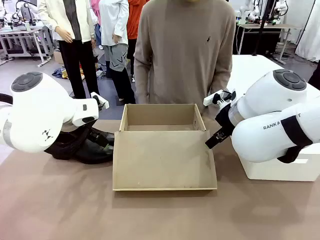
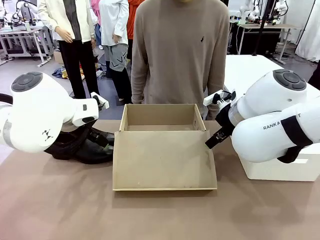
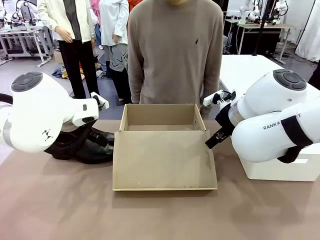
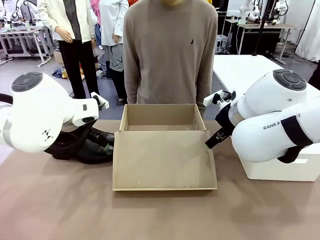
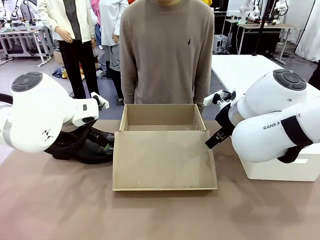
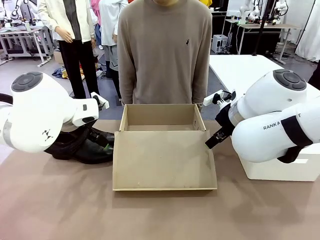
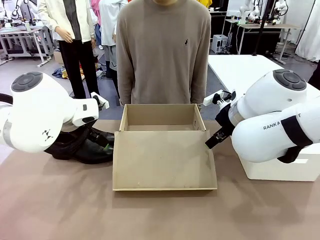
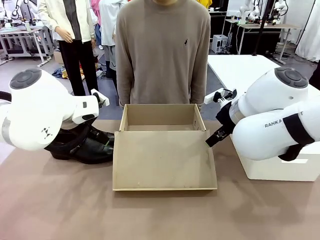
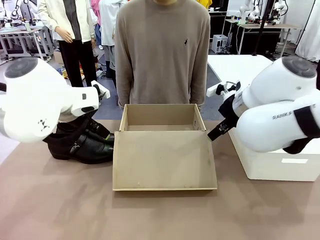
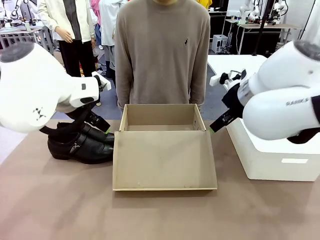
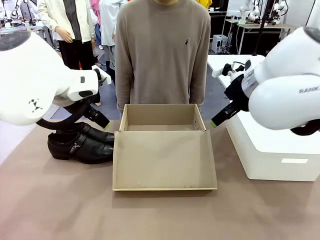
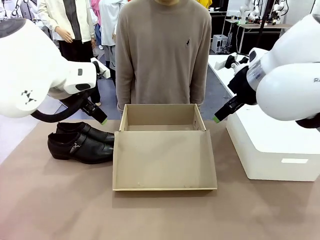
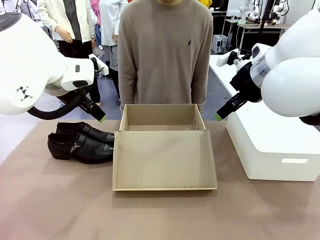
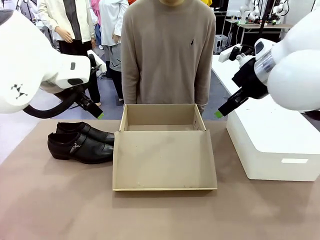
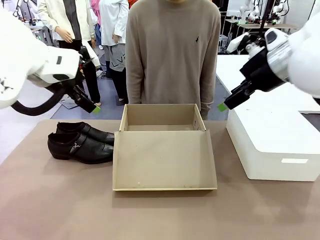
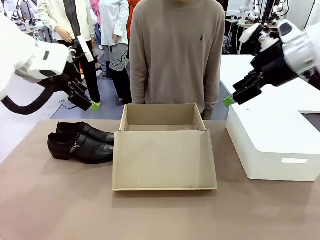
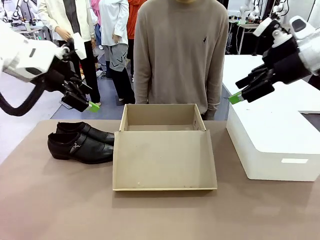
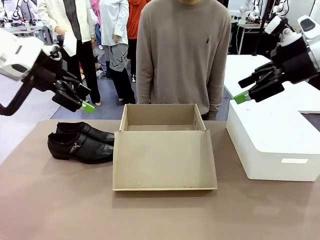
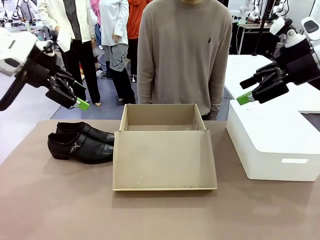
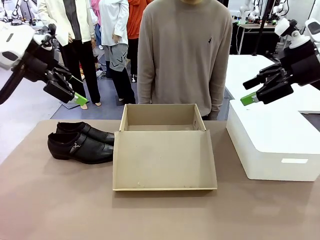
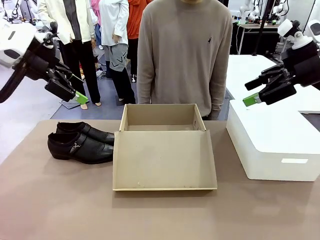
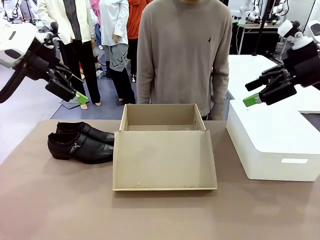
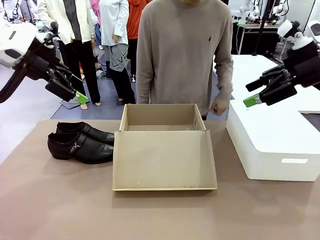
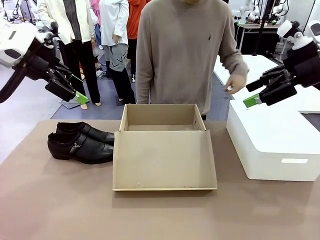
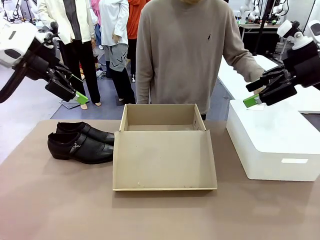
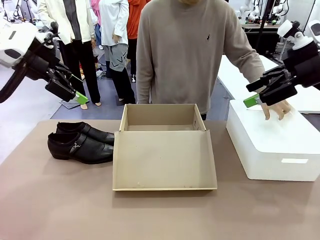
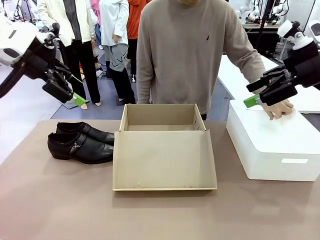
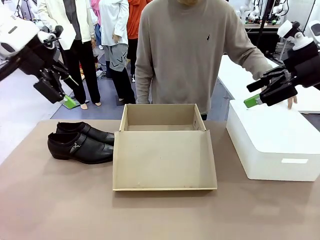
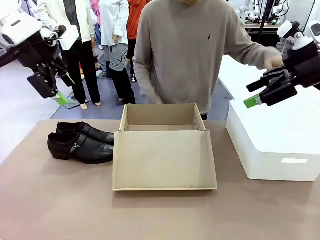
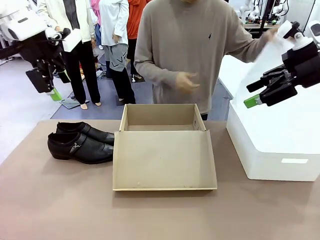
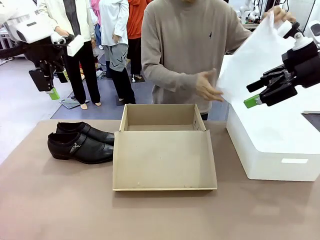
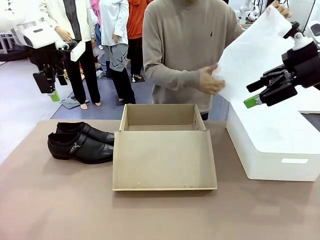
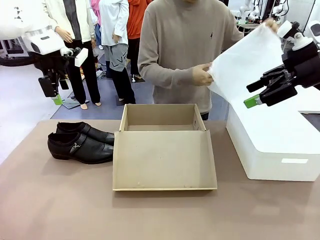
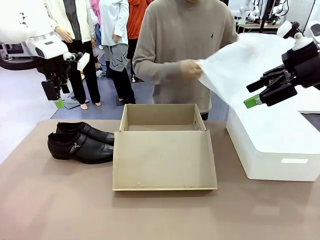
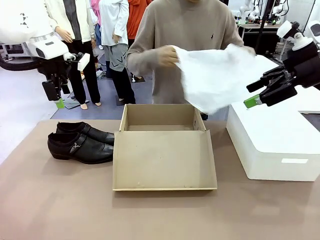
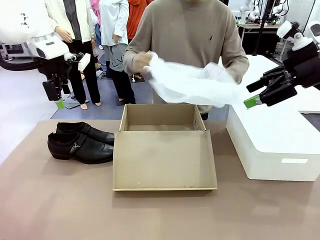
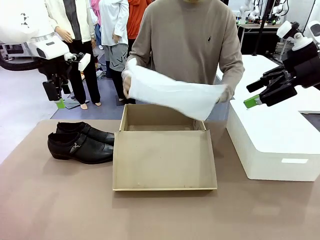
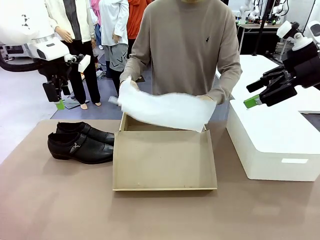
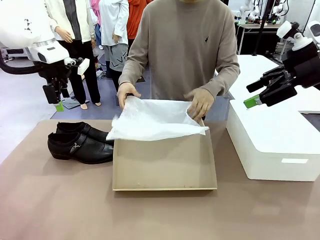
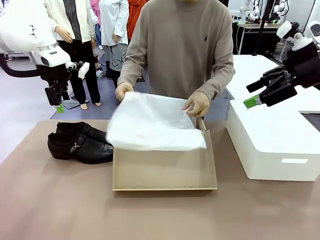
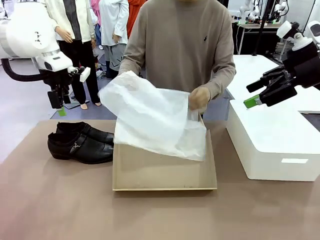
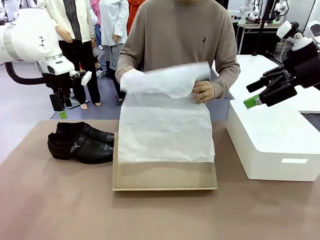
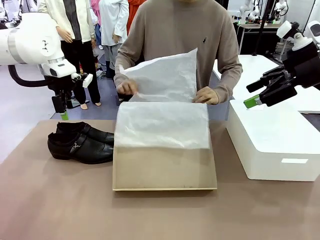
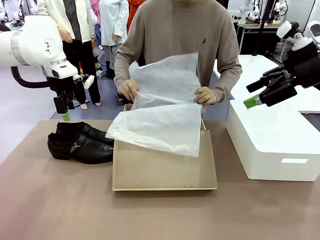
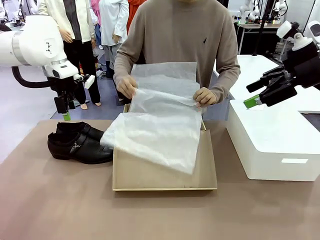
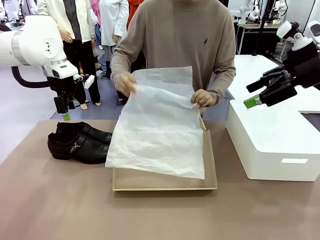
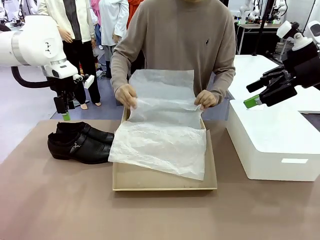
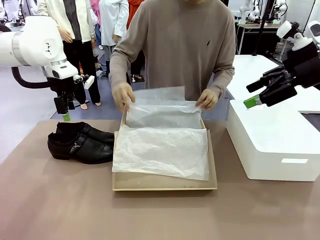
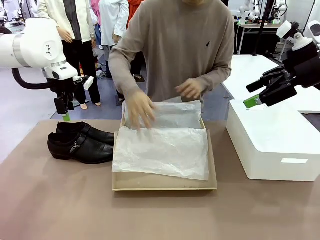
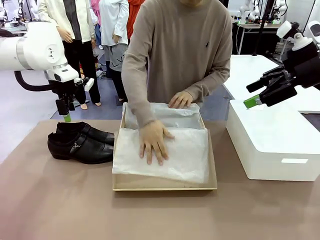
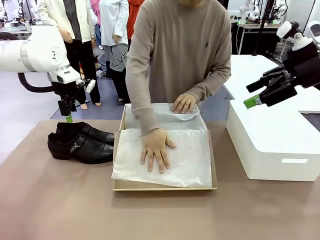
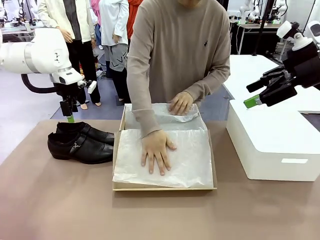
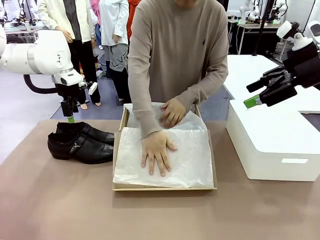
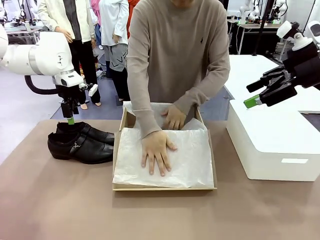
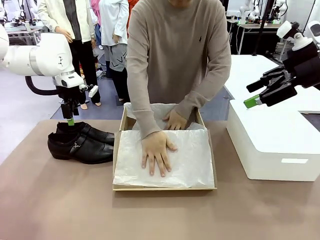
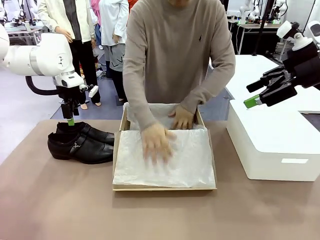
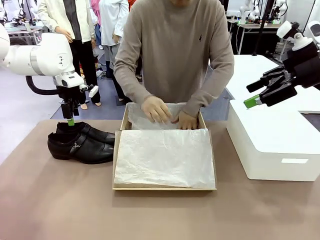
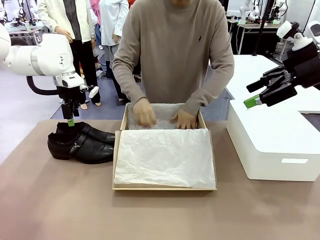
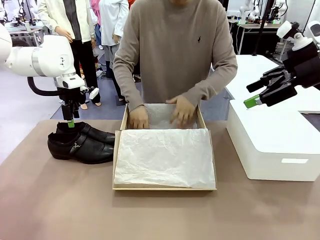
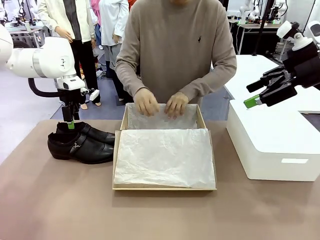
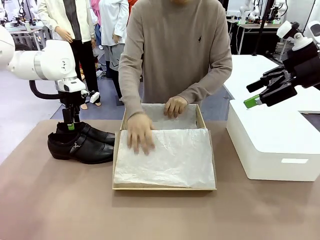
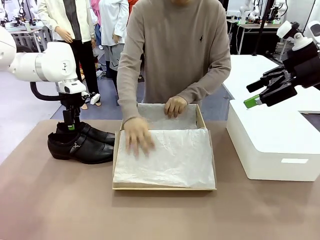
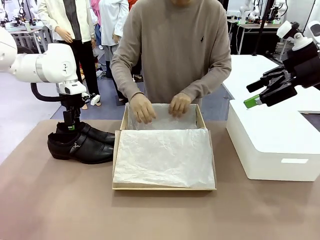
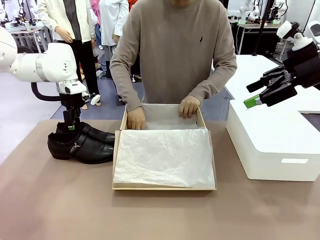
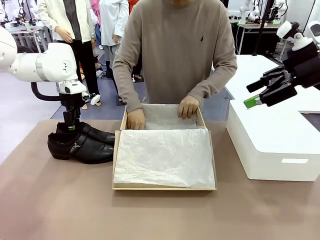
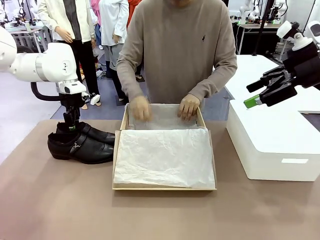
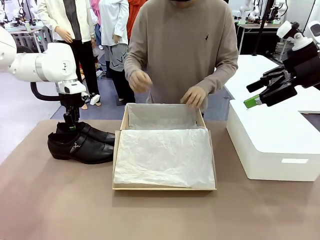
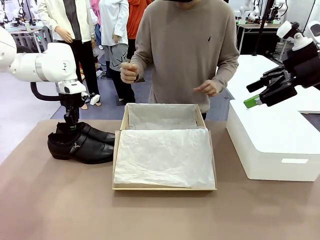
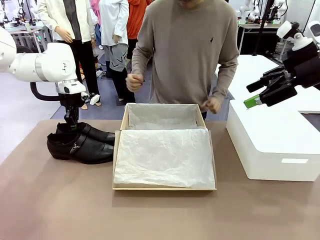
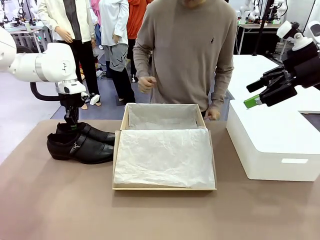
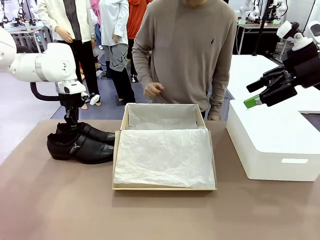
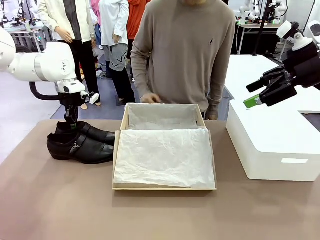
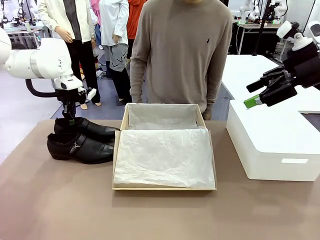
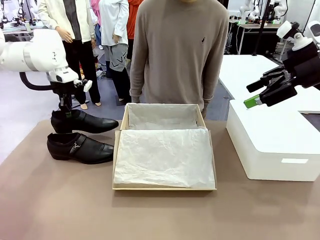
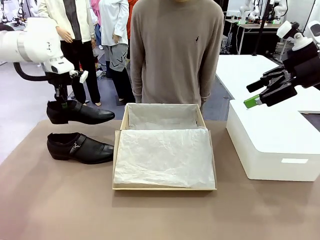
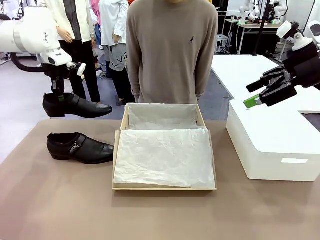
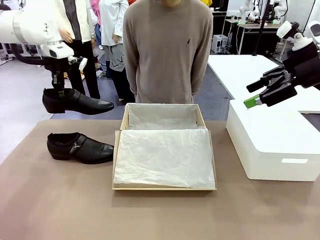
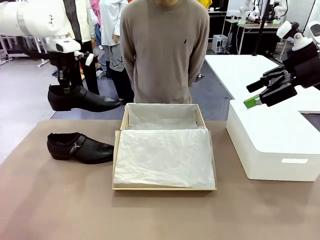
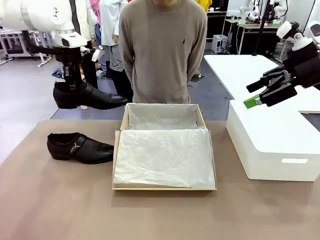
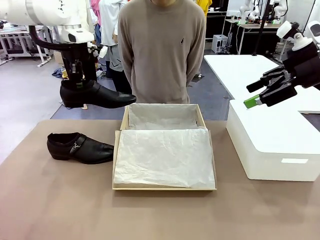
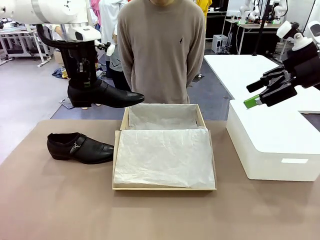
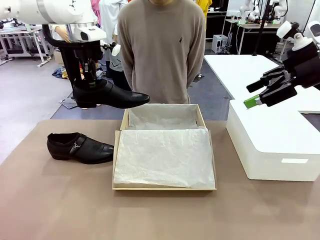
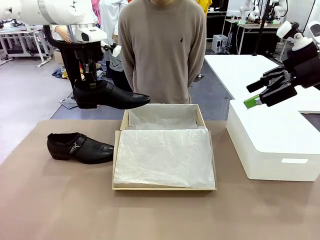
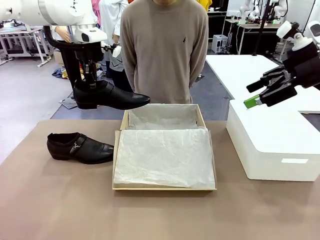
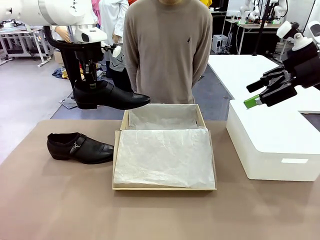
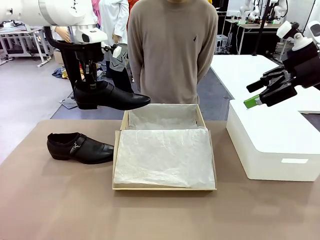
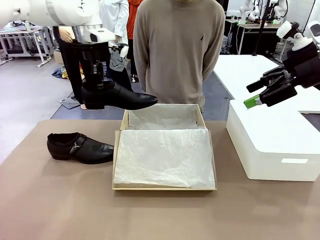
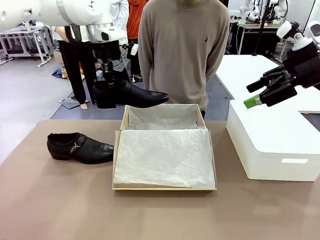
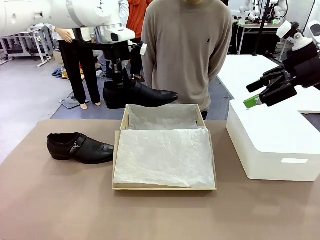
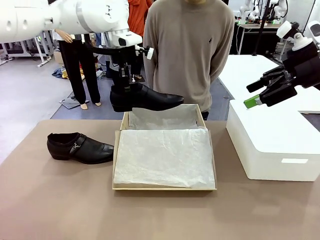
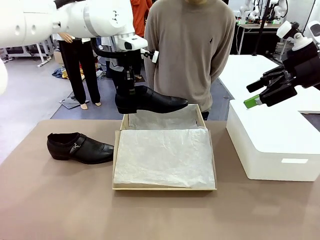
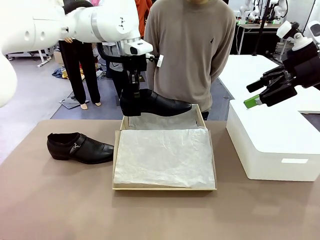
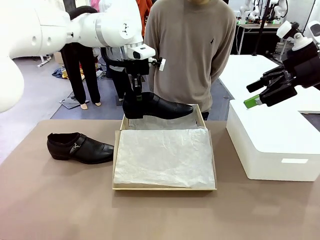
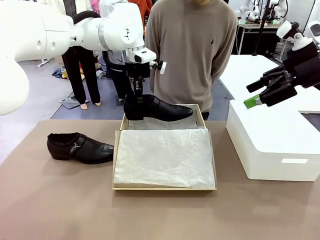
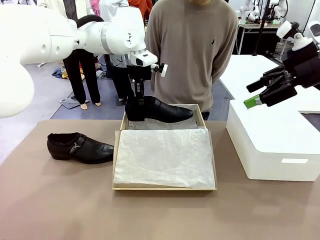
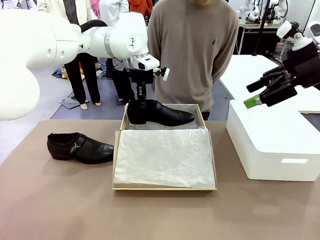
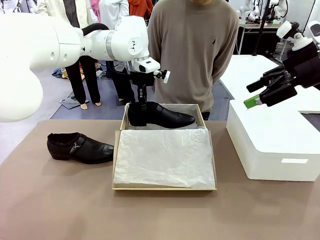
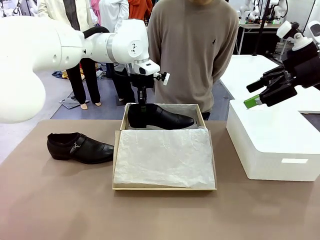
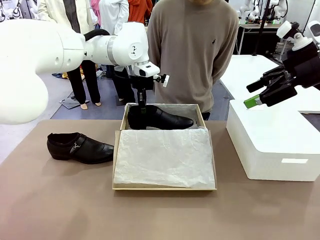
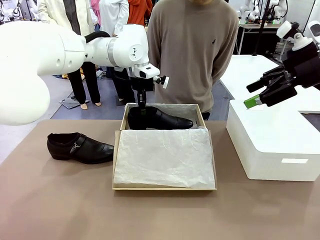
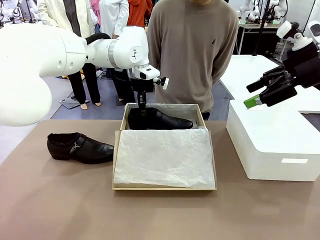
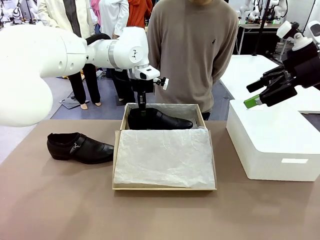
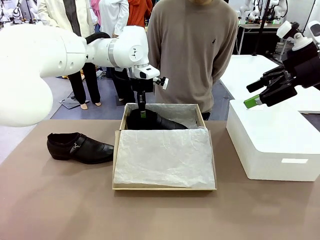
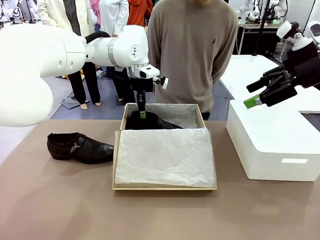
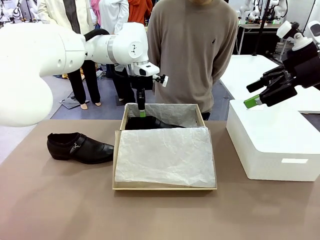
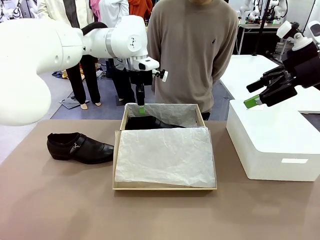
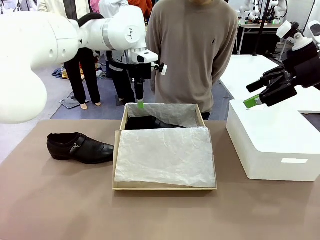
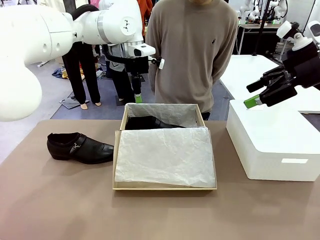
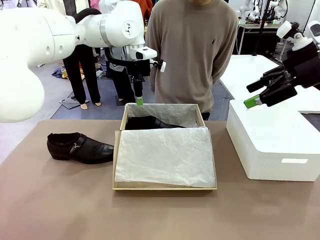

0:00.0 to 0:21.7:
Task: Pack the shoes into the box.
Robot: Place one shoe of the Shoes into the Shoes Box.
Person: Spread Shoes Wrapping Paper and place inside the Shoes Box.
